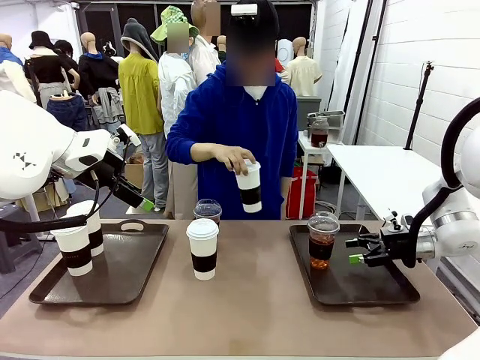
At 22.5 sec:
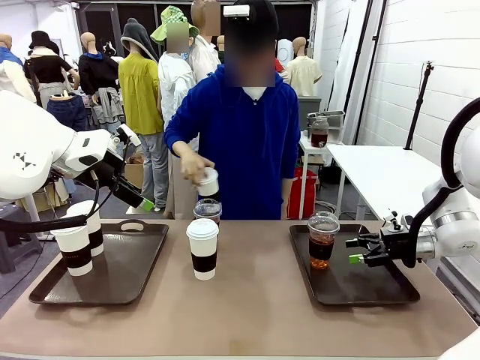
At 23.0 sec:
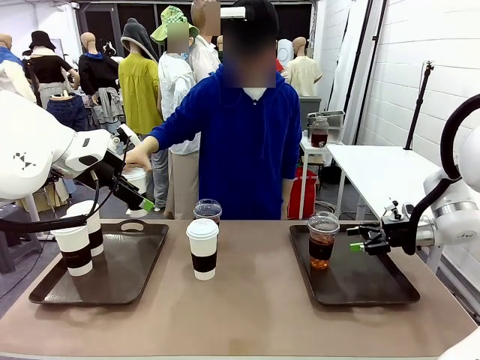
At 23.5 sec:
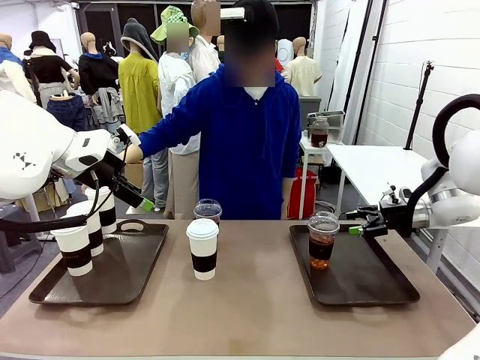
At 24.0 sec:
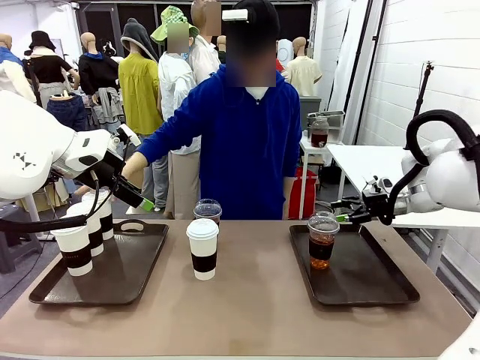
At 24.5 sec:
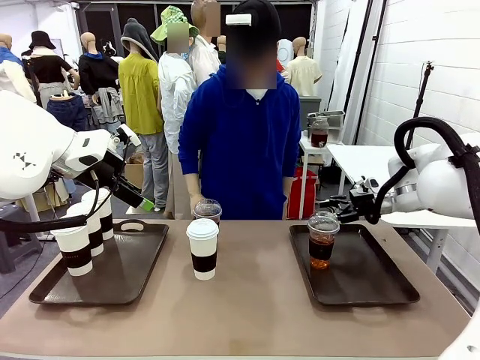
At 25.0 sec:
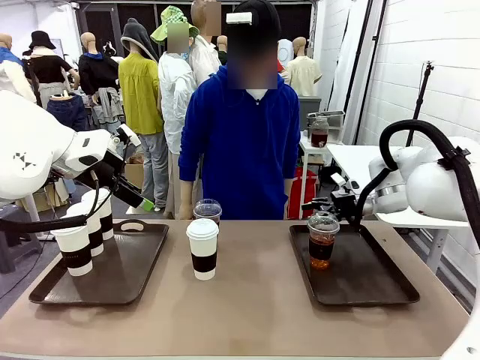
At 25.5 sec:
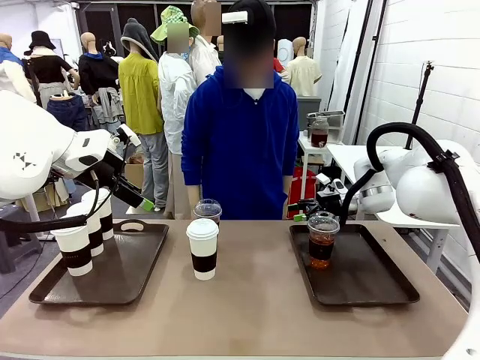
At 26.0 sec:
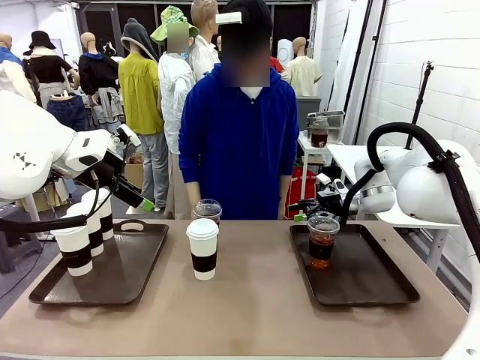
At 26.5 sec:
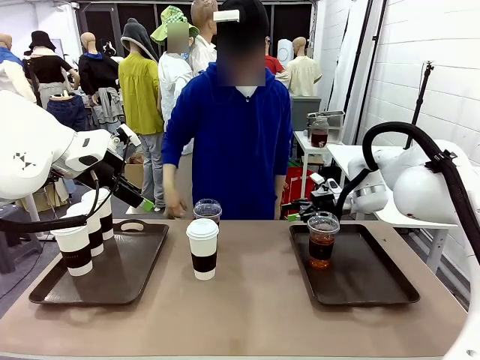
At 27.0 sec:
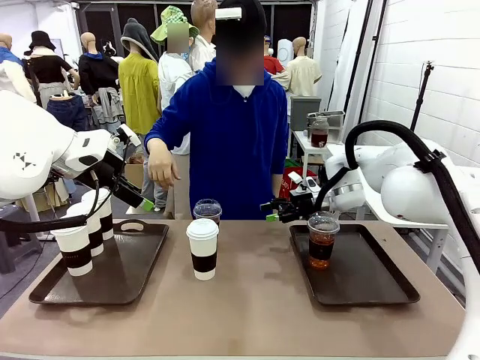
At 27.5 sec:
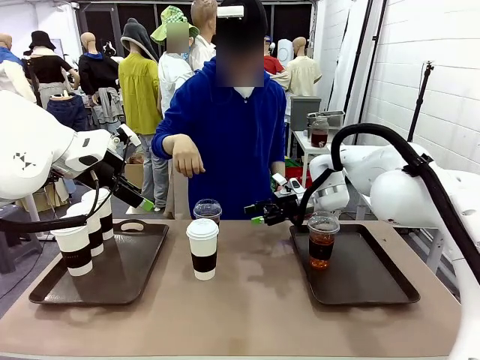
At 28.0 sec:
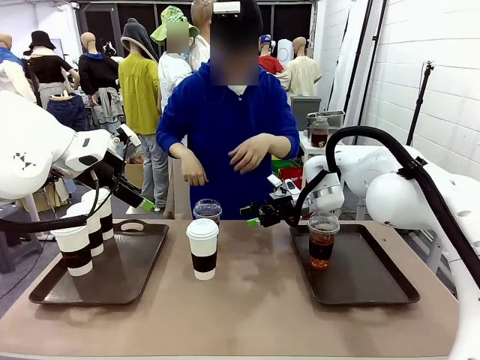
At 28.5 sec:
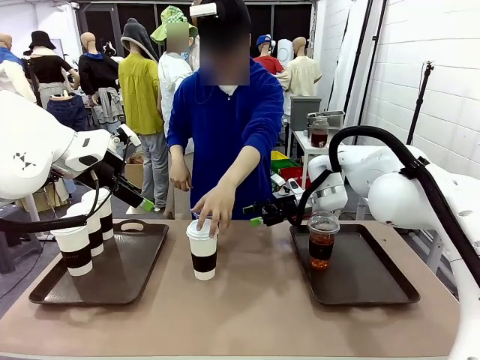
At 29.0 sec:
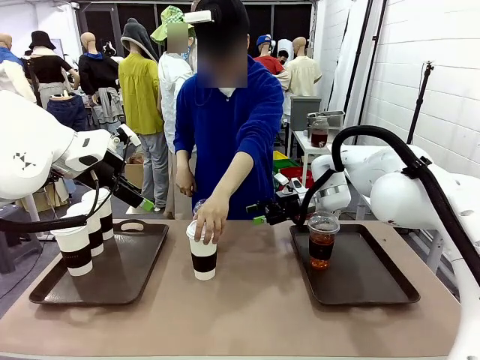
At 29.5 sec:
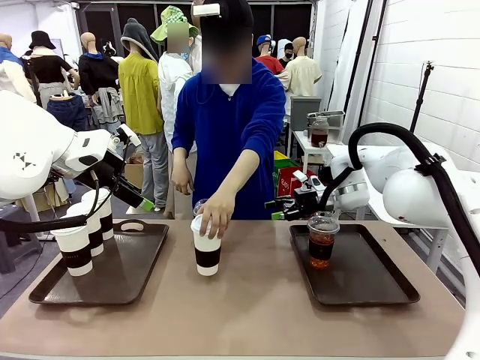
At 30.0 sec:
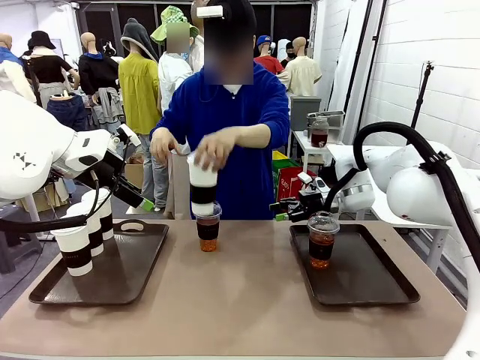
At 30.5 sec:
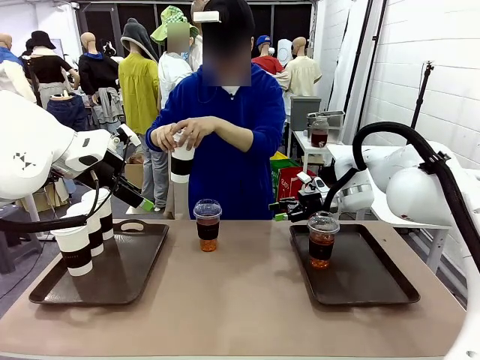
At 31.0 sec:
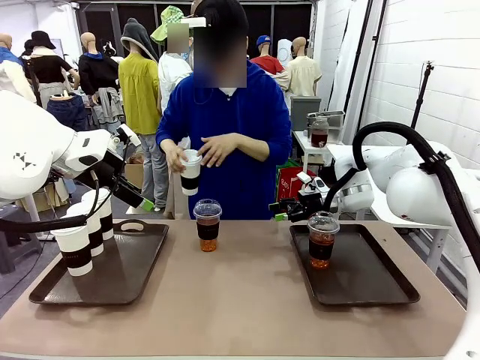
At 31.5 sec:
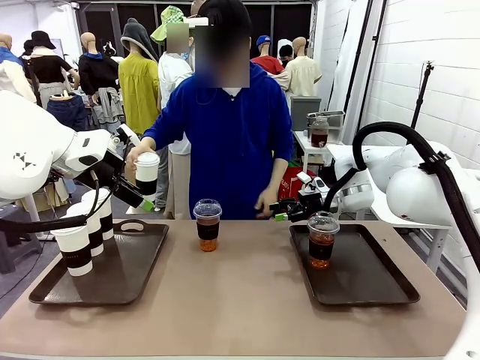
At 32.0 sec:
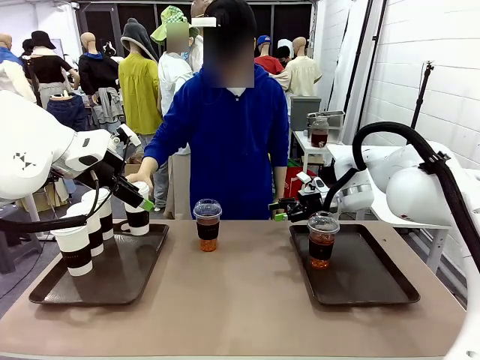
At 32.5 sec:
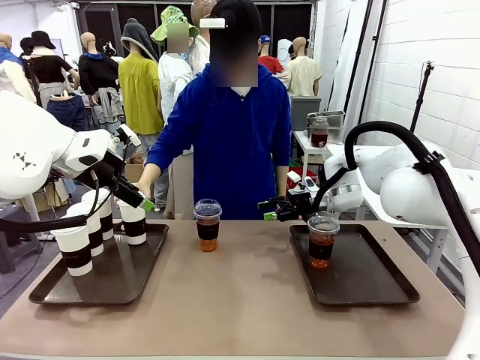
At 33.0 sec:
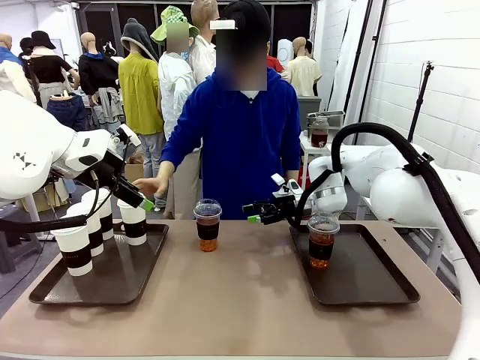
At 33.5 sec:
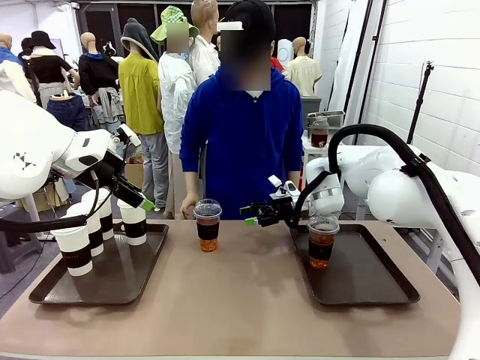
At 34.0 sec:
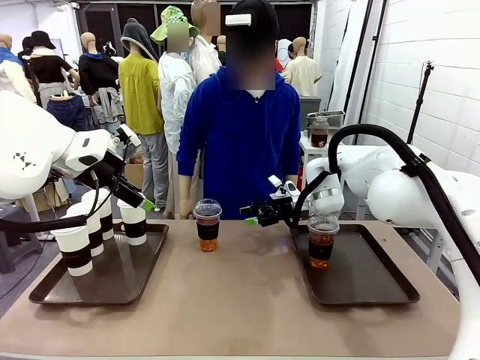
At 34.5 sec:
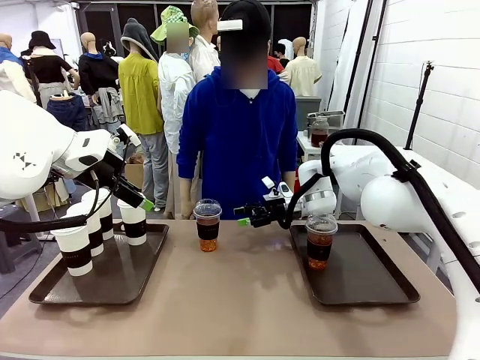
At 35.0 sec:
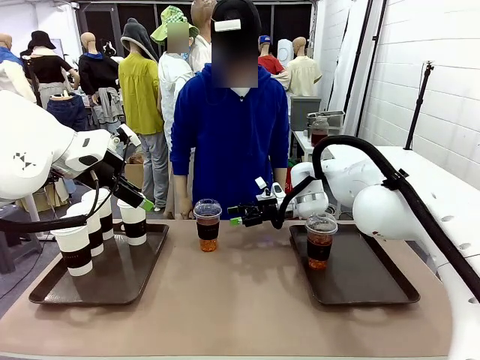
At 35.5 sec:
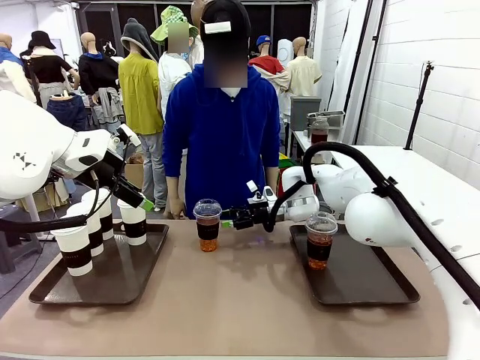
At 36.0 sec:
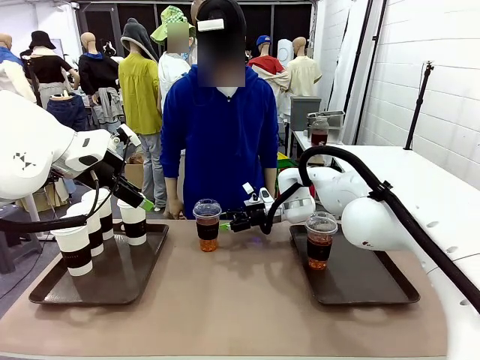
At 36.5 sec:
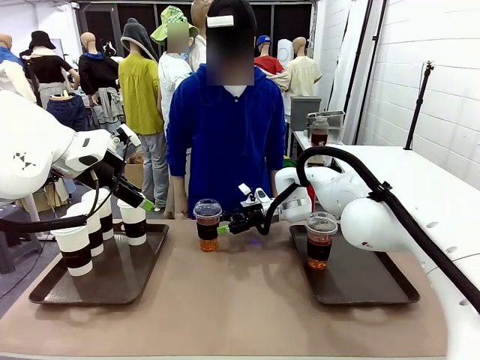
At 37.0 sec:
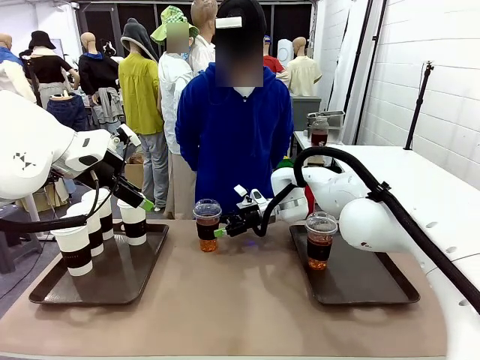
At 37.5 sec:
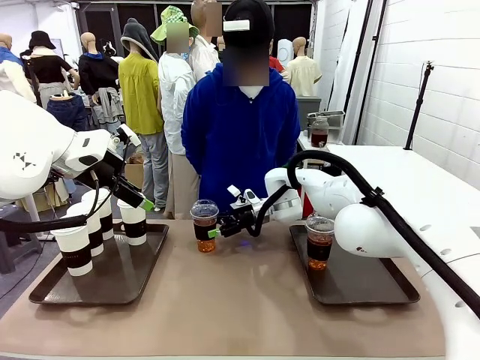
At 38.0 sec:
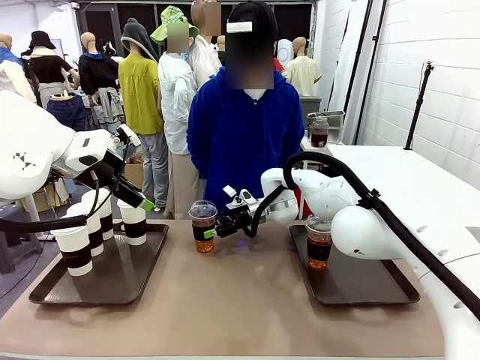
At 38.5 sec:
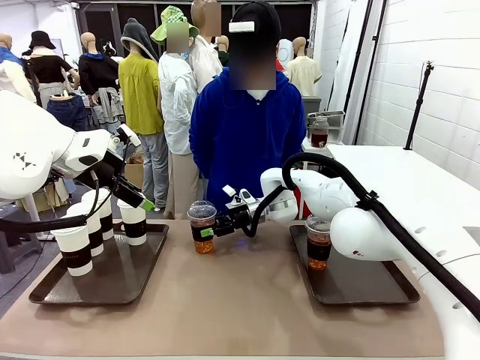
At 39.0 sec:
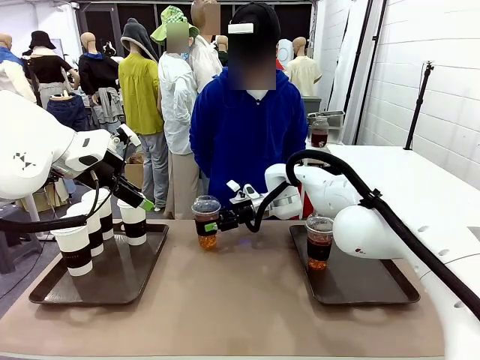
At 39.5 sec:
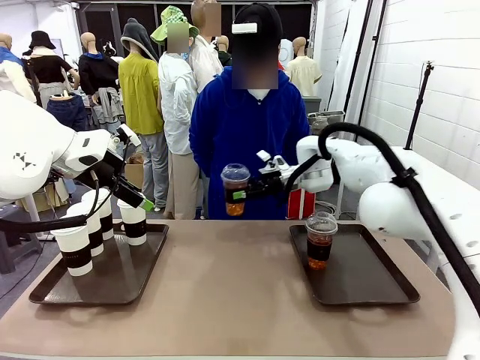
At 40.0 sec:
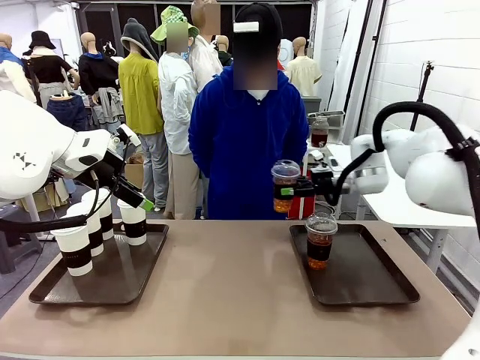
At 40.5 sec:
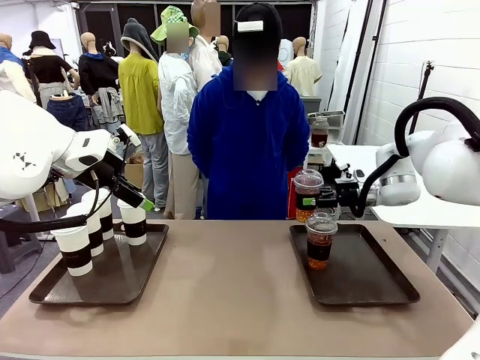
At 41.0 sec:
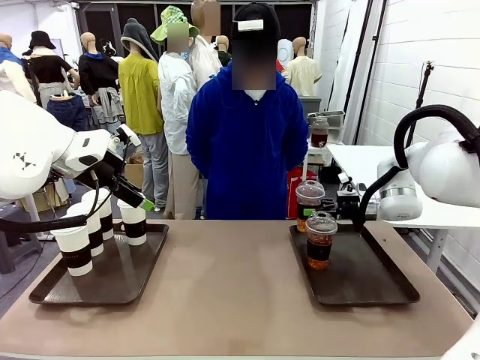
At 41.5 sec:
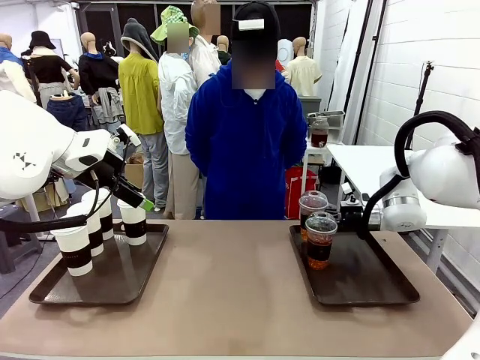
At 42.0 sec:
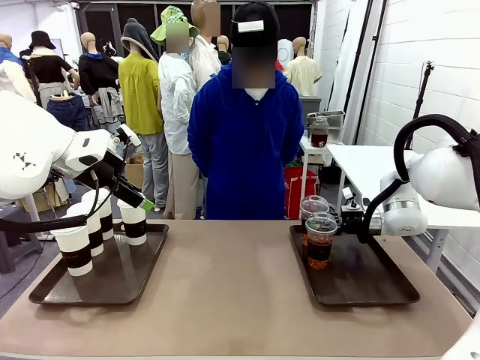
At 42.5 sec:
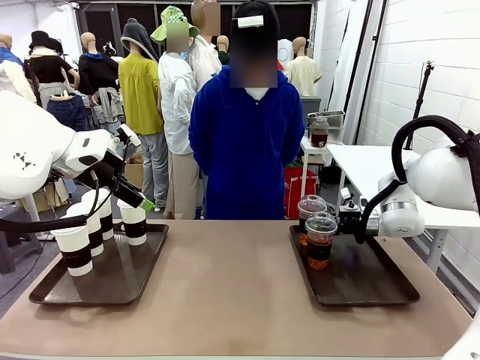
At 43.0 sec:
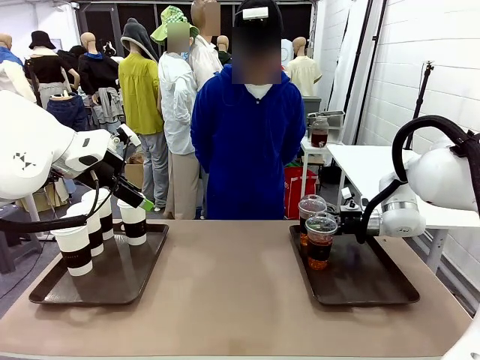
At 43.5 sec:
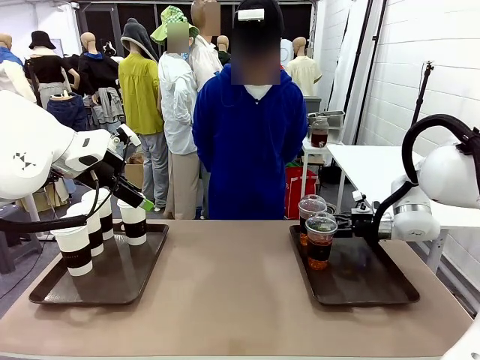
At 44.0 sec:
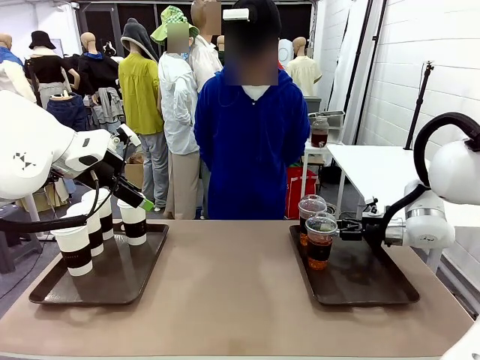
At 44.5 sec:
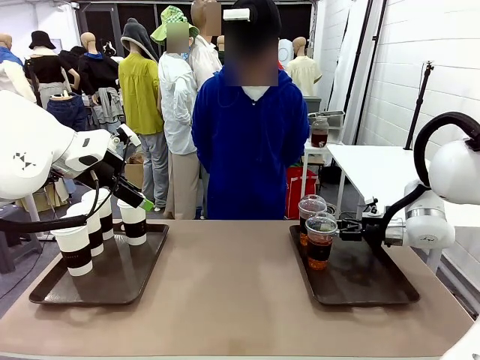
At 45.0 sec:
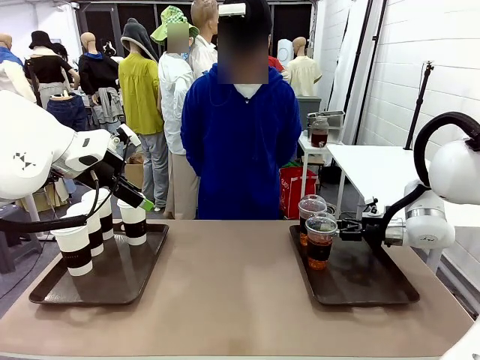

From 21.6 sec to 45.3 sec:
Task: Distribute the coffee onto the tray.
Robot: Pick up another iced Americano from the middle of the table and place it on the right Handle tray.
Person: Pick up a cup of hot Americano from the middle of the table and place it on the right tray.

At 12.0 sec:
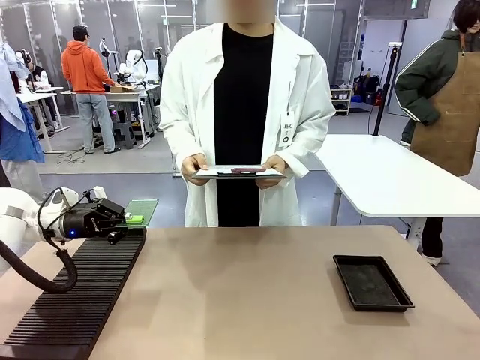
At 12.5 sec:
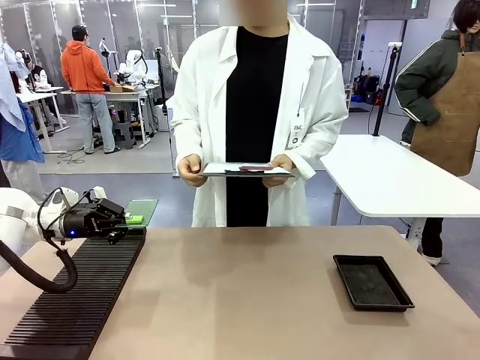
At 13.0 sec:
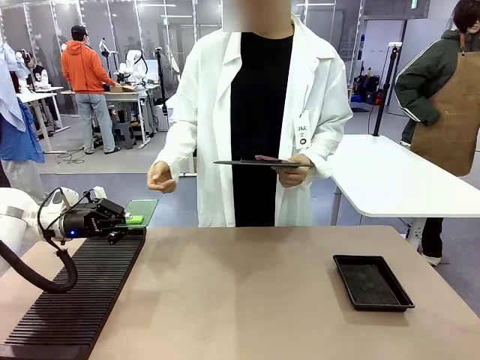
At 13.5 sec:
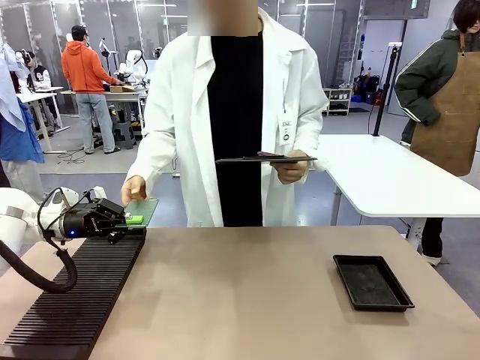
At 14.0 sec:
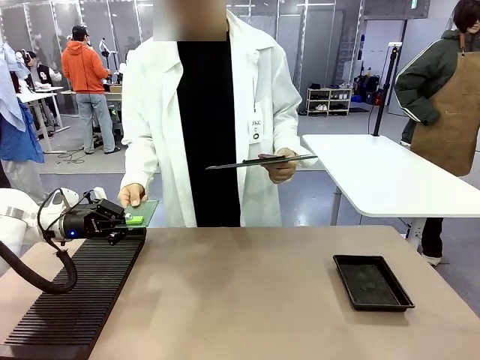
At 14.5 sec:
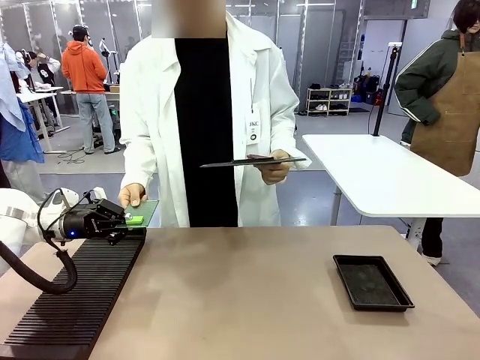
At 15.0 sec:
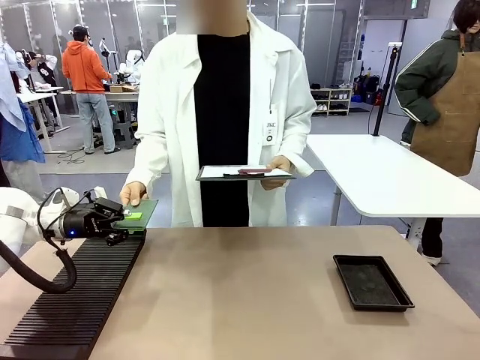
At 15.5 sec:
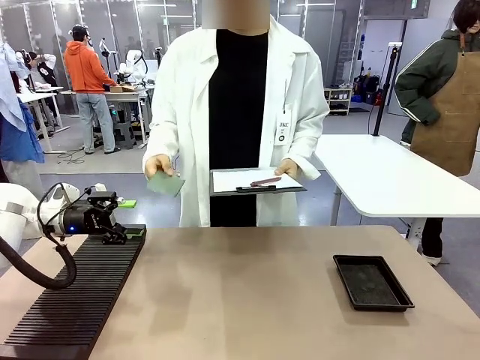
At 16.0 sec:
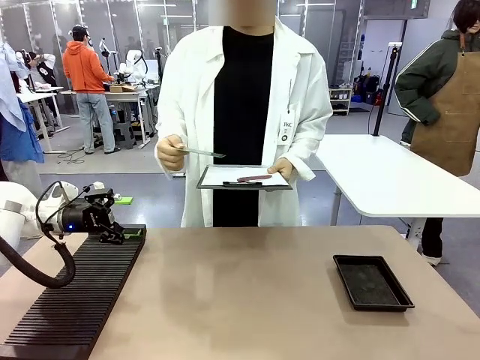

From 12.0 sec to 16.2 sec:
Task: Inspect the PCB.
Robot: Release the Blank PCB you were holding.
